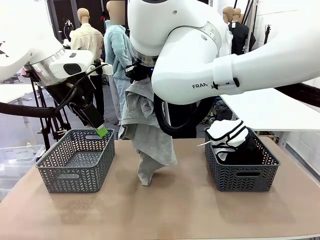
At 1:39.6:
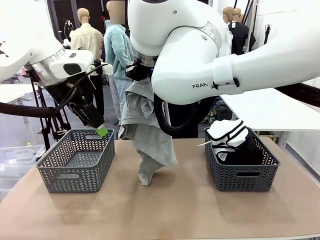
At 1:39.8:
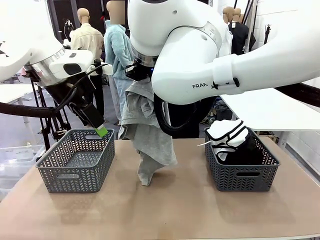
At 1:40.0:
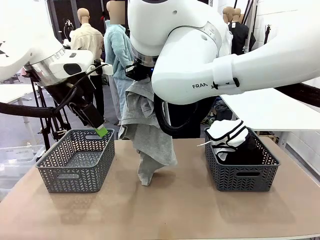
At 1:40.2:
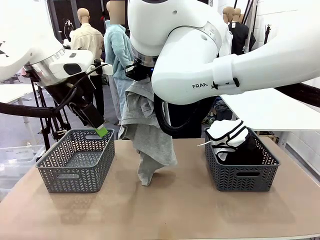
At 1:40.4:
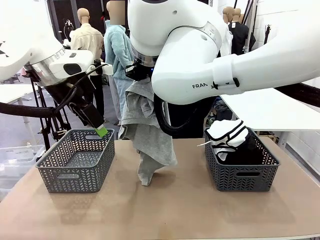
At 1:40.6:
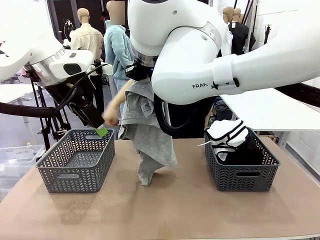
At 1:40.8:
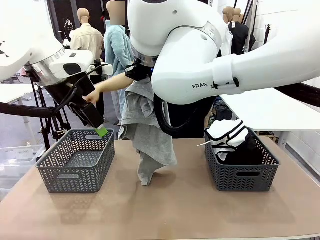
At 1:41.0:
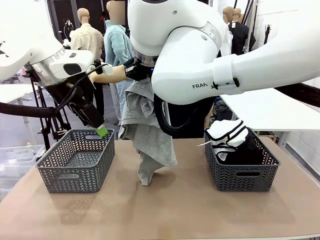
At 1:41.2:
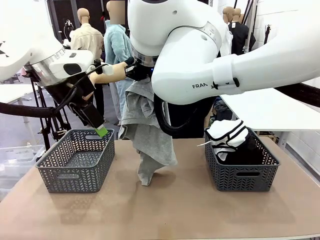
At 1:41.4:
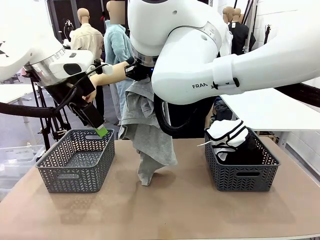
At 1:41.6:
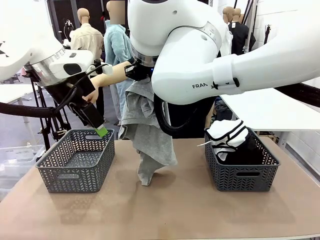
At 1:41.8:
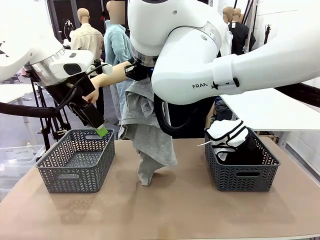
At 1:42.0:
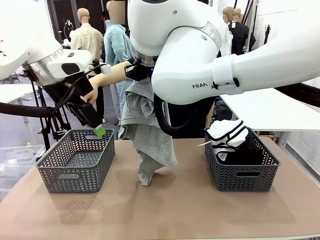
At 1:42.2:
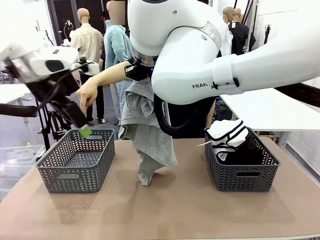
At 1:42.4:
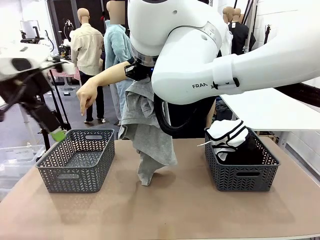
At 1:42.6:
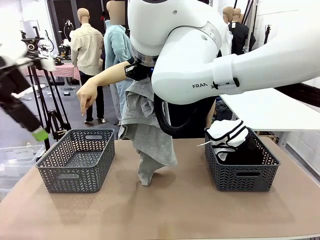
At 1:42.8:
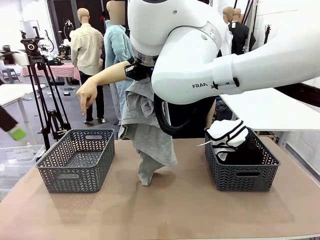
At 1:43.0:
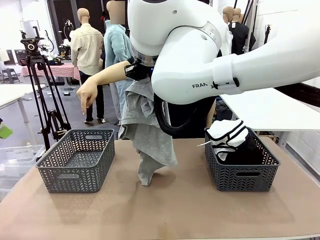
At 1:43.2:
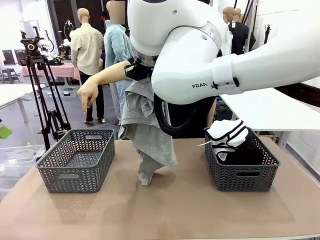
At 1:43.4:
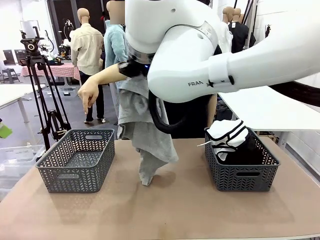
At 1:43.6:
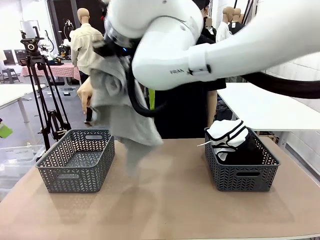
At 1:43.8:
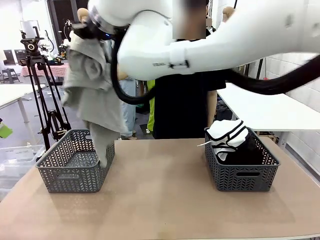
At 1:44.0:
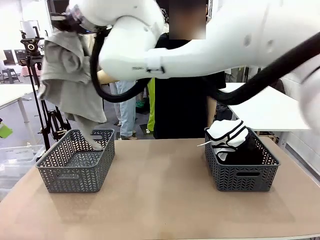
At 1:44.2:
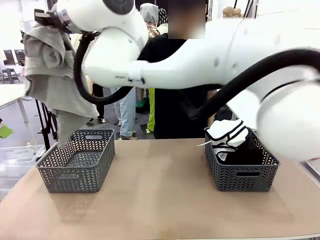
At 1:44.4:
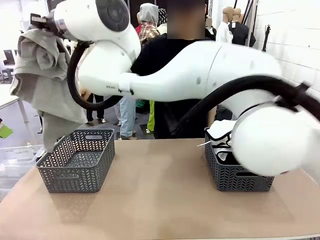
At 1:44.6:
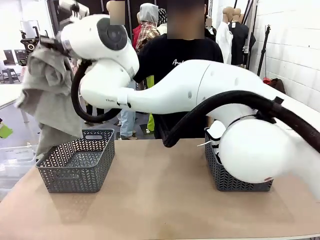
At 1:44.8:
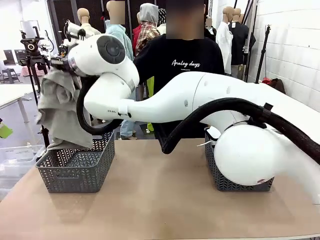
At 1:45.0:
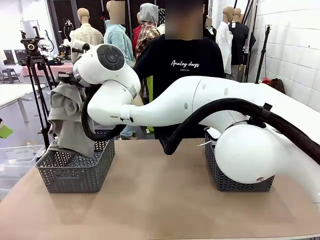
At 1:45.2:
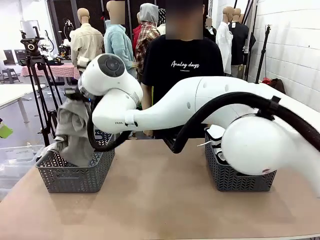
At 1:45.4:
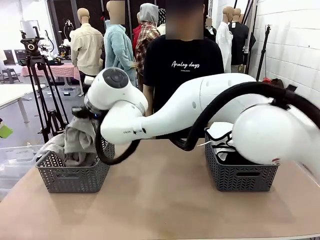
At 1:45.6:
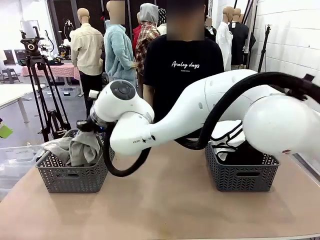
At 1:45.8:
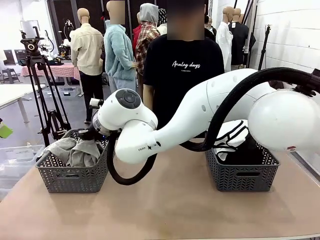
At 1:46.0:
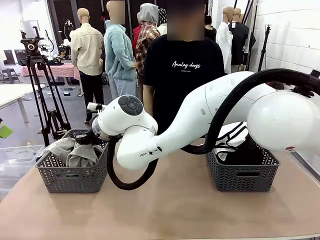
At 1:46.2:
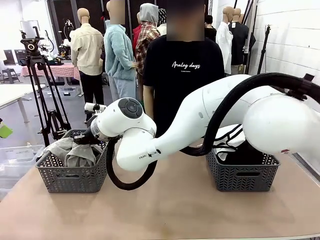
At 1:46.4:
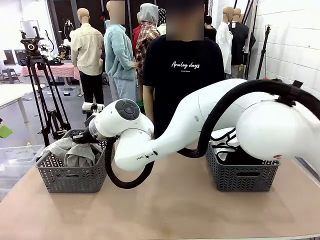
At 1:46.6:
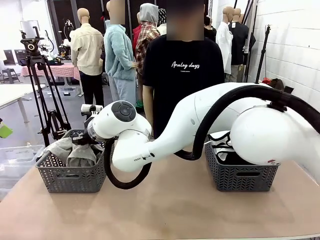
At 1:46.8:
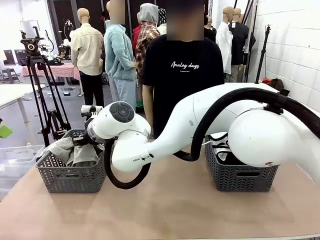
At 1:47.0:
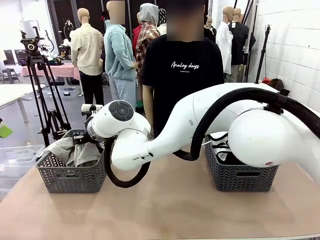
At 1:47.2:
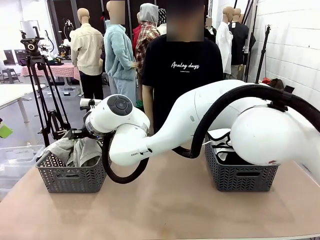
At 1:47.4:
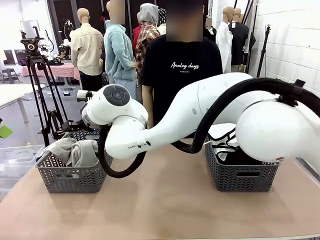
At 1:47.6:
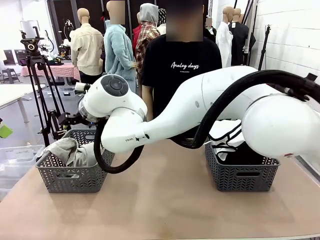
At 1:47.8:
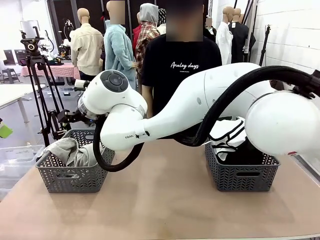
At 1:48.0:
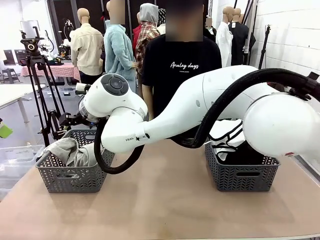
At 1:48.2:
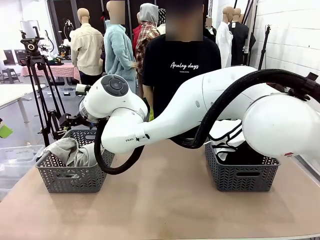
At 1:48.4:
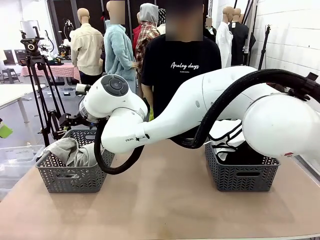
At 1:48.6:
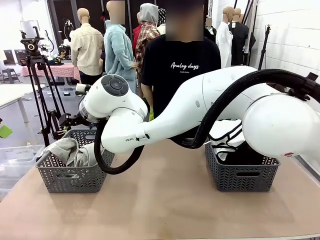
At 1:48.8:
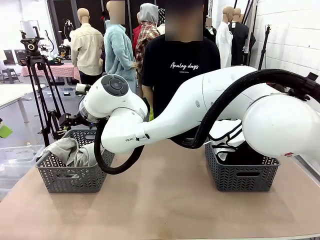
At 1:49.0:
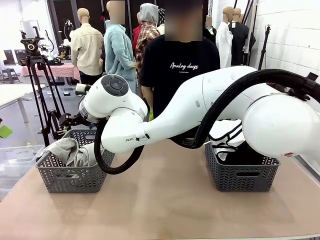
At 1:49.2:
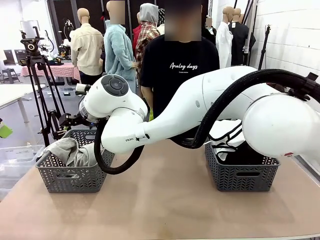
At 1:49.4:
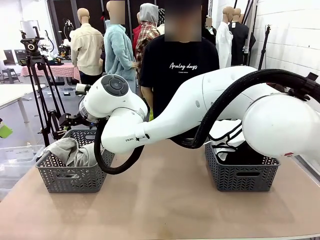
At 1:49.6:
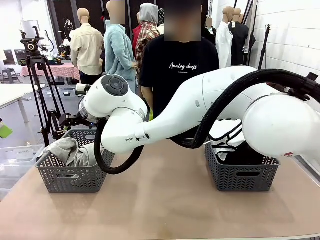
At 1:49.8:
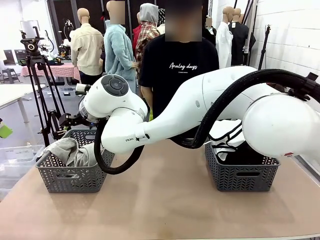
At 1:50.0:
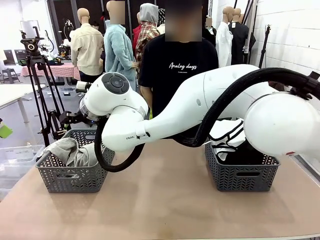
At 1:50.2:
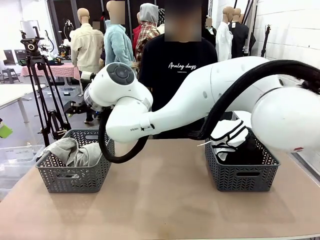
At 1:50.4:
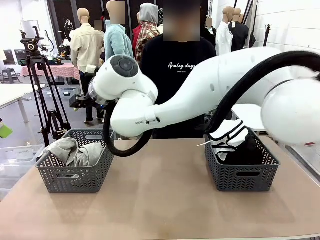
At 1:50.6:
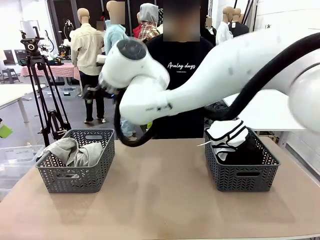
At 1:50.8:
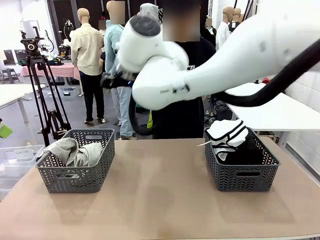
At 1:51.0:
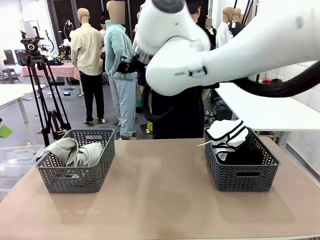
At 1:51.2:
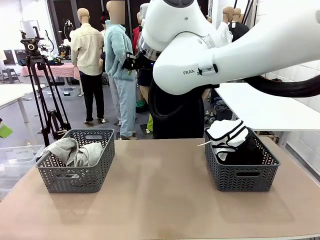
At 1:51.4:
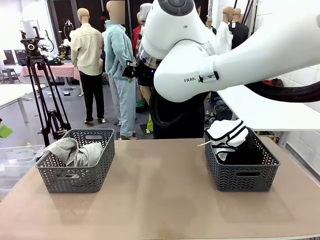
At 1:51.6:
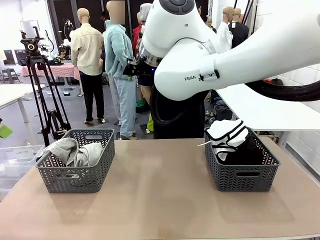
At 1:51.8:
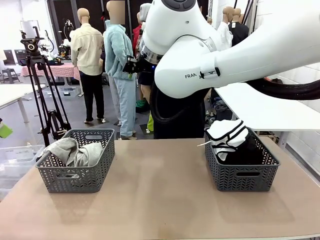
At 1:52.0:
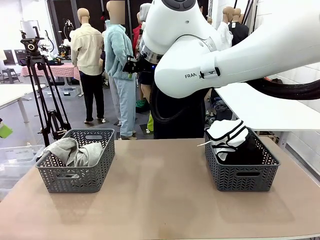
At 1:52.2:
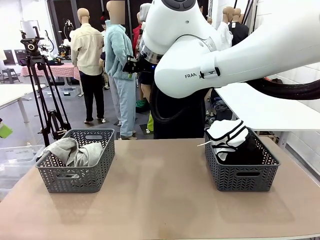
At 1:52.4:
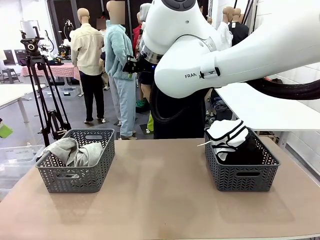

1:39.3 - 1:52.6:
Task: Sort the tops and bottoms.
Robot: Sort the clothes according to human instructions.

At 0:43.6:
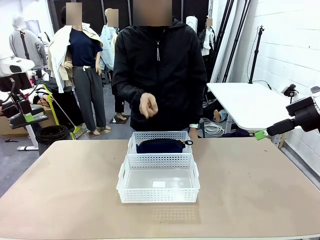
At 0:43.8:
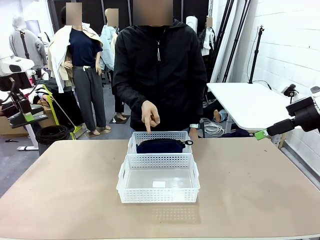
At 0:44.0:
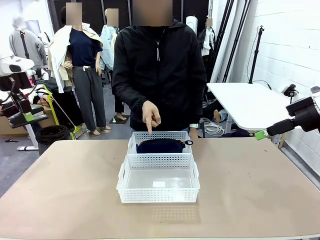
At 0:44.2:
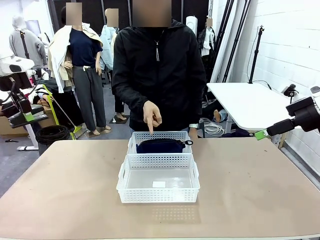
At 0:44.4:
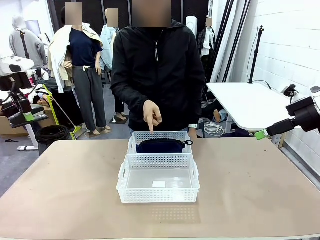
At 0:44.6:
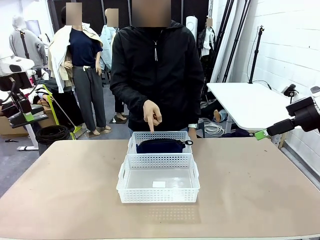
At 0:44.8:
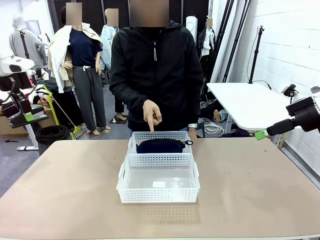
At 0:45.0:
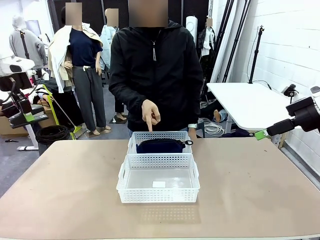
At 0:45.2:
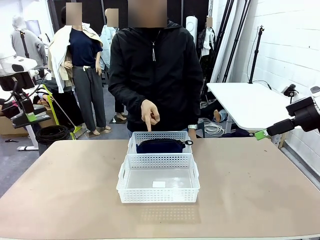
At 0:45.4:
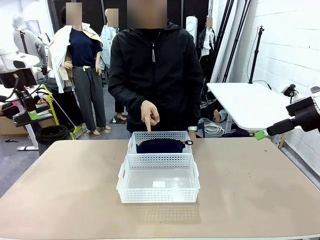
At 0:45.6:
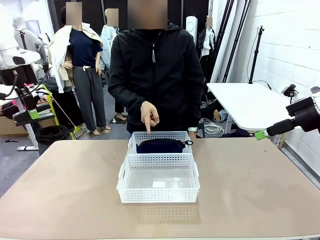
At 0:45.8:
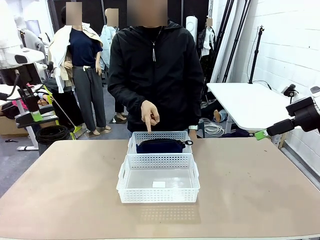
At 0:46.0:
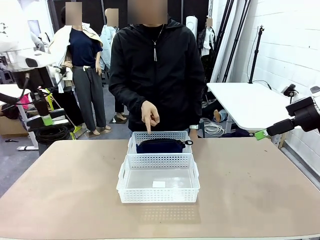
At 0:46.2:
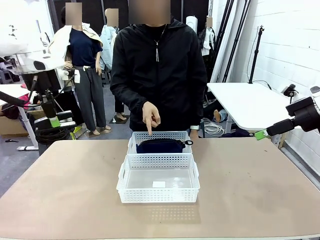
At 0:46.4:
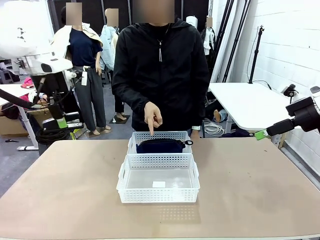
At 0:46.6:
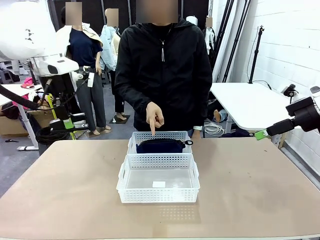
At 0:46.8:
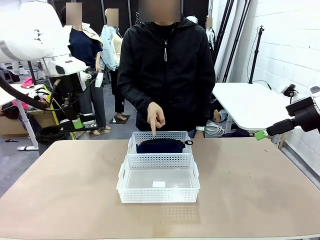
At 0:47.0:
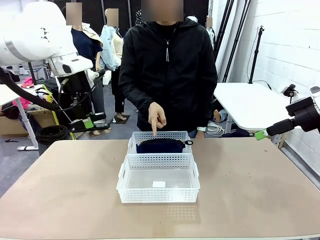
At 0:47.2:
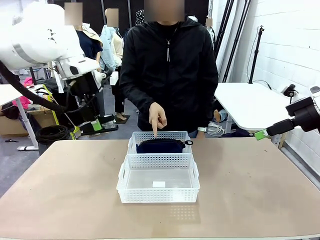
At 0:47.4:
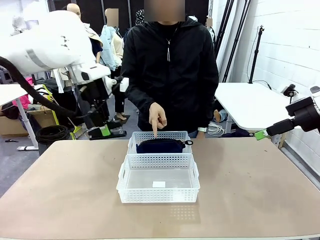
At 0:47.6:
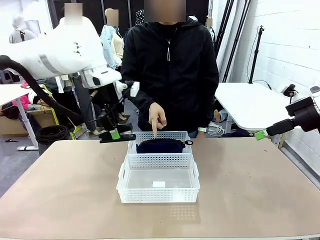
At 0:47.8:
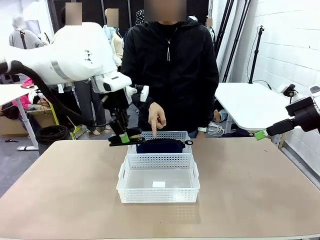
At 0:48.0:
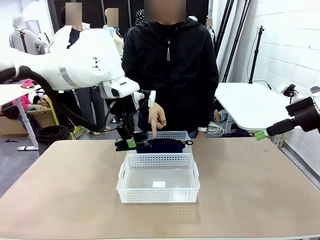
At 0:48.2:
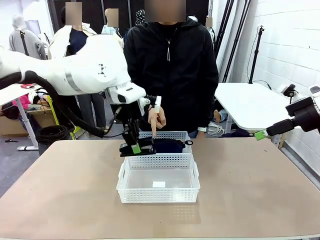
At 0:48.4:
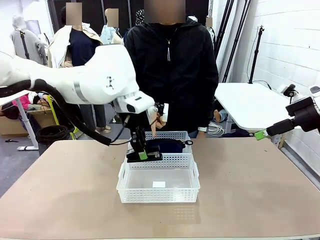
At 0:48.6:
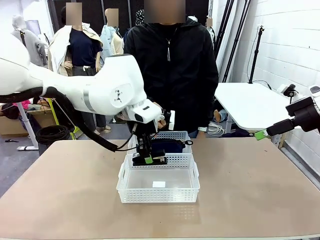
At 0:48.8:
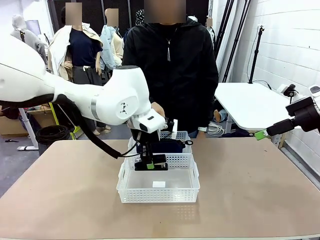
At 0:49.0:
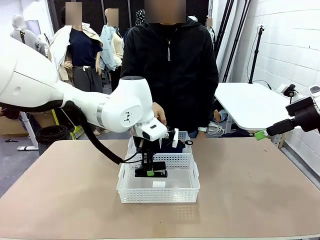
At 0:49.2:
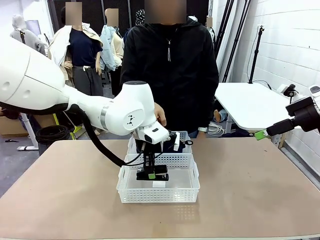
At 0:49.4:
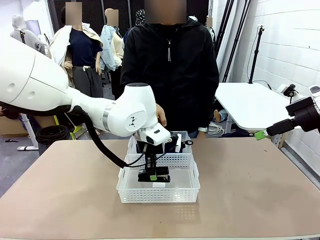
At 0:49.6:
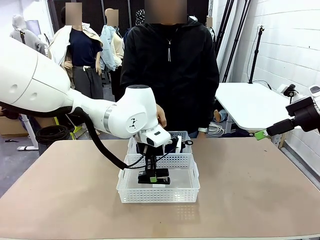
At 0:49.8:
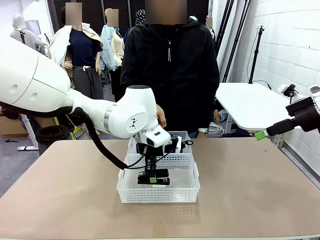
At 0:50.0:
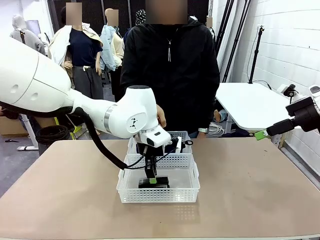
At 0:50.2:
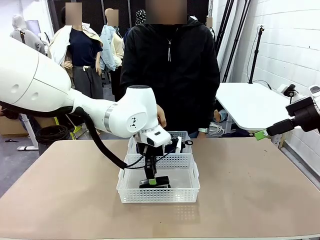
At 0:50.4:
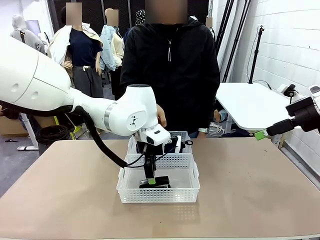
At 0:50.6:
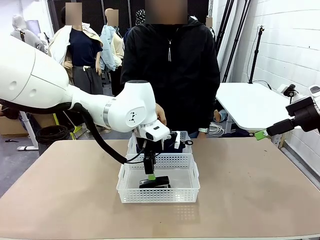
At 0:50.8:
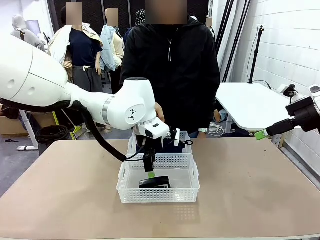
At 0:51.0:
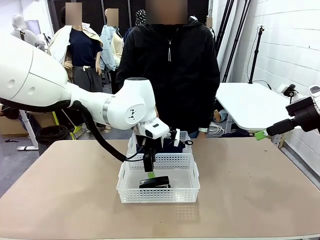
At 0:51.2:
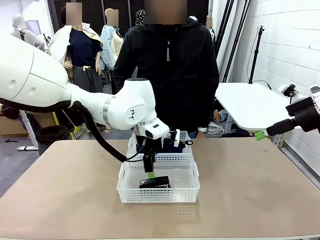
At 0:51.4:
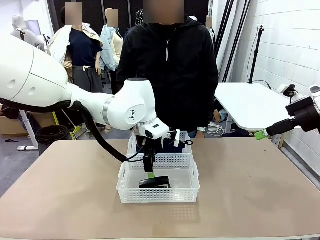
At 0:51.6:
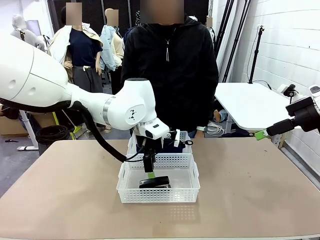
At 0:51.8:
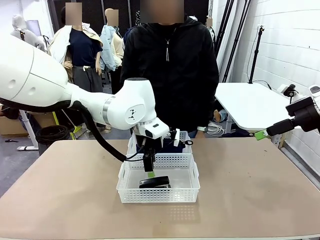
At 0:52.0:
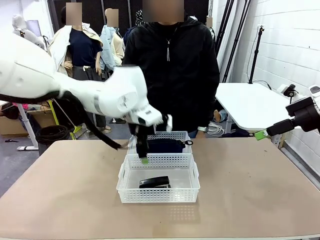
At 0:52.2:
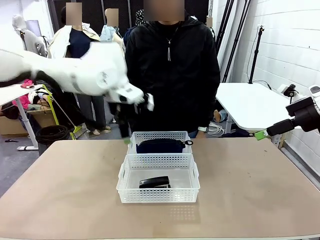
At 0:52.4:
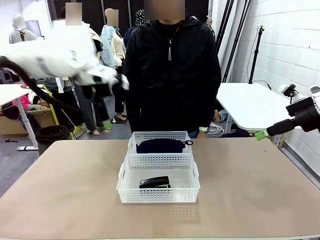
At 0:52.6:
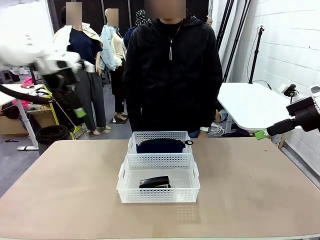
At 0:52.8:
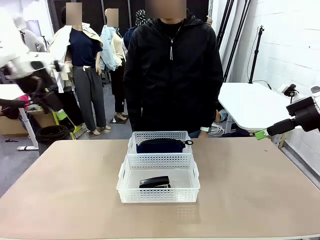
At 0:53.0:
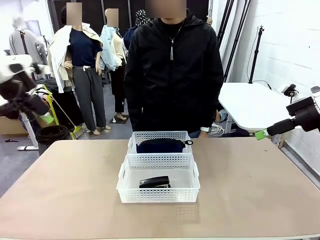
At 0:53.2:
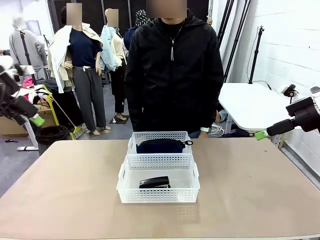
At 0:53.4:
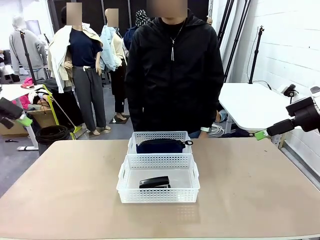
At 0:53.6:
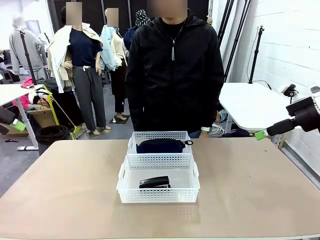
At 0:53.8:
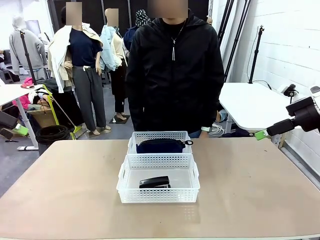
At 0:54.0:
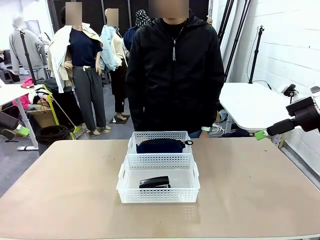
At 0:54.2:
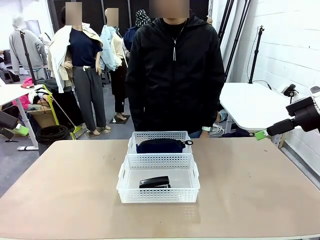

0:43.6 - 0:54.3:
Task: Distribute items into two baskets.
Robot: Place the picked Stapler into the Organizing basket as instructed by the person.
Person: Points to the basket that does not contain the pencil case and instructs the robot to move the stapler there.
